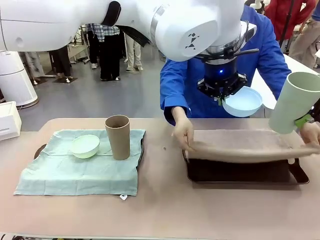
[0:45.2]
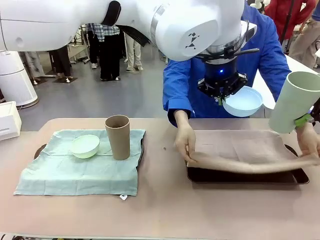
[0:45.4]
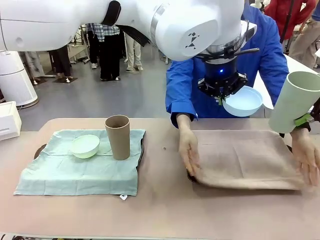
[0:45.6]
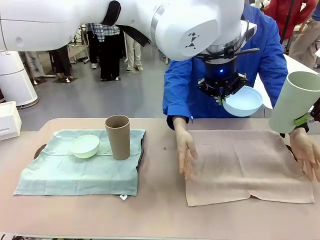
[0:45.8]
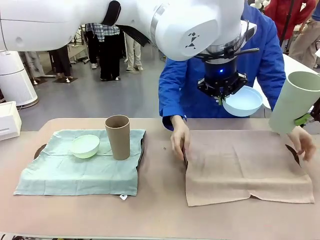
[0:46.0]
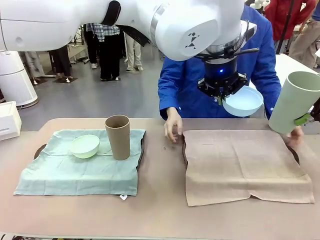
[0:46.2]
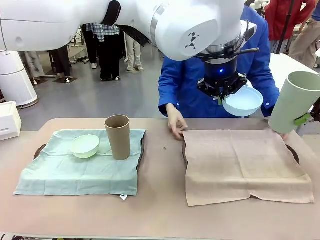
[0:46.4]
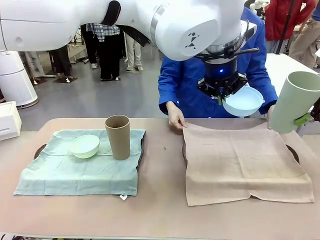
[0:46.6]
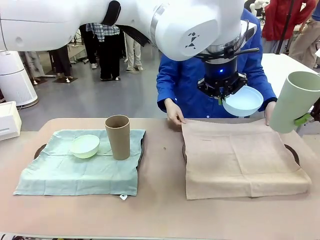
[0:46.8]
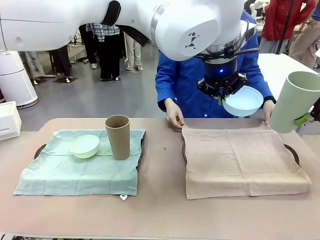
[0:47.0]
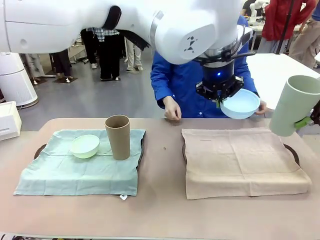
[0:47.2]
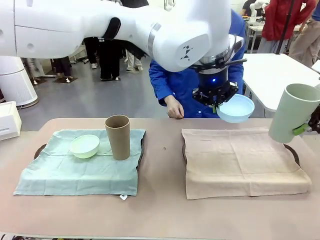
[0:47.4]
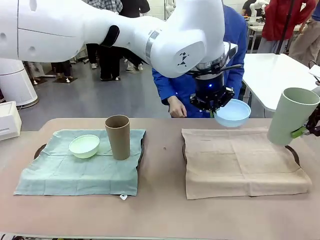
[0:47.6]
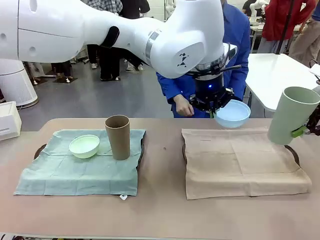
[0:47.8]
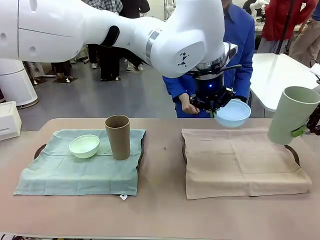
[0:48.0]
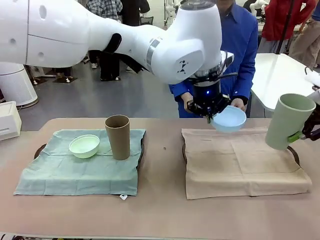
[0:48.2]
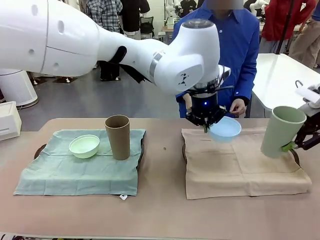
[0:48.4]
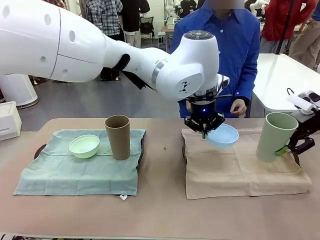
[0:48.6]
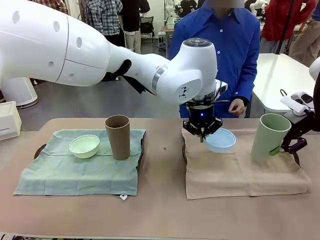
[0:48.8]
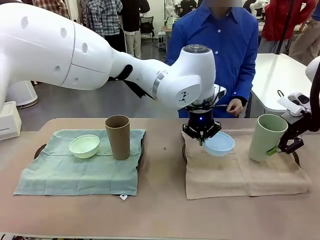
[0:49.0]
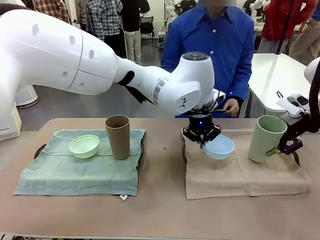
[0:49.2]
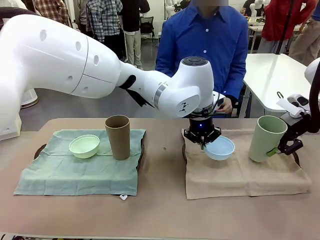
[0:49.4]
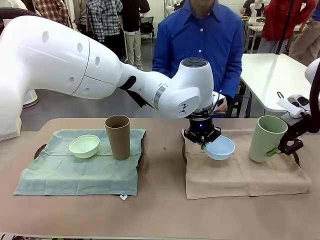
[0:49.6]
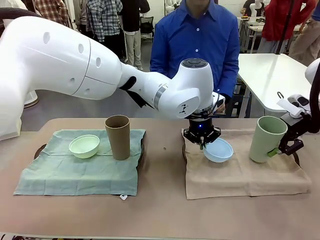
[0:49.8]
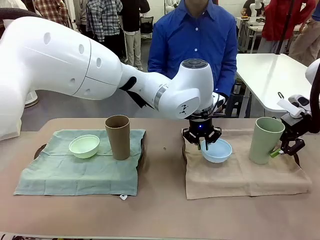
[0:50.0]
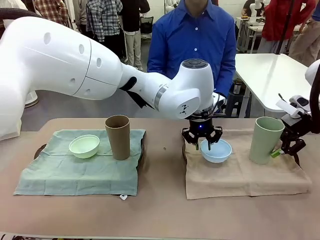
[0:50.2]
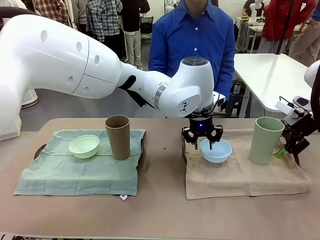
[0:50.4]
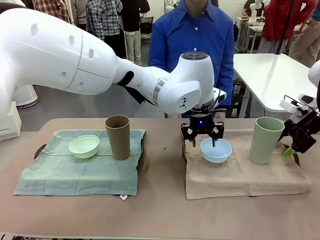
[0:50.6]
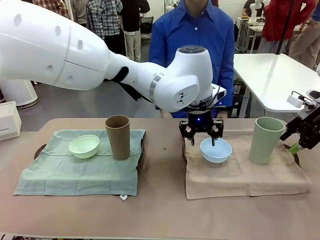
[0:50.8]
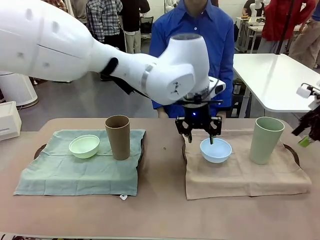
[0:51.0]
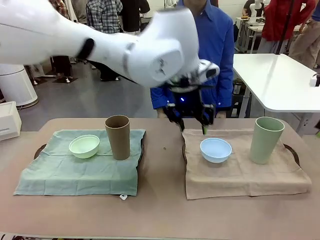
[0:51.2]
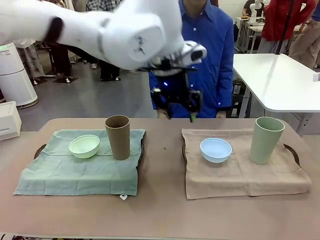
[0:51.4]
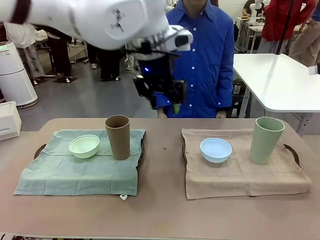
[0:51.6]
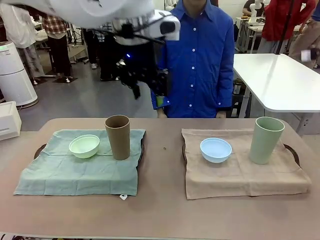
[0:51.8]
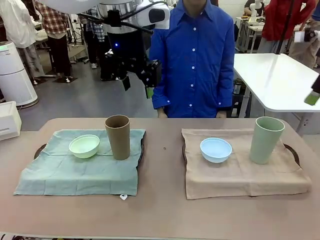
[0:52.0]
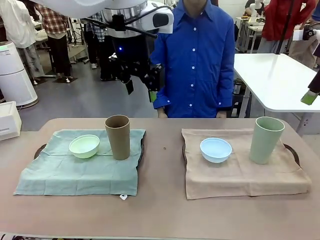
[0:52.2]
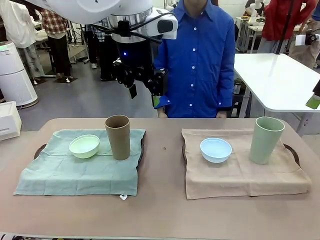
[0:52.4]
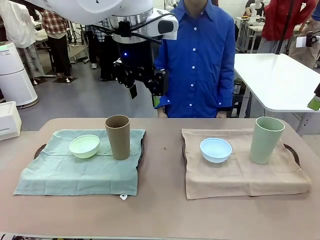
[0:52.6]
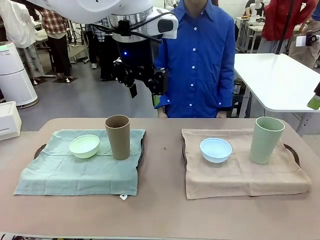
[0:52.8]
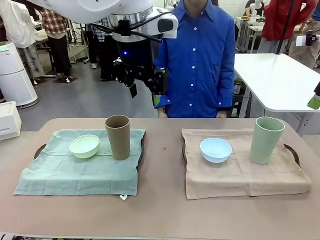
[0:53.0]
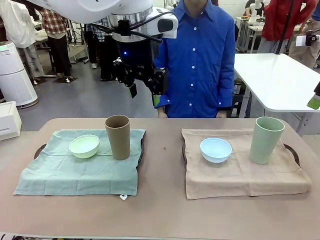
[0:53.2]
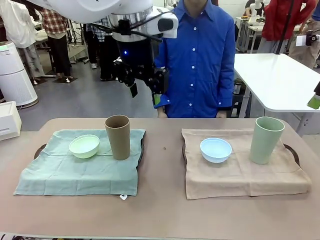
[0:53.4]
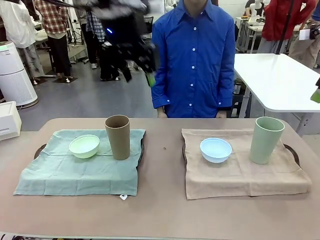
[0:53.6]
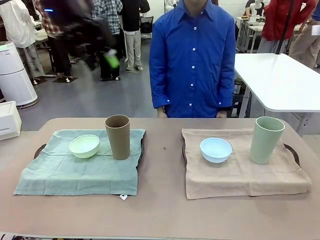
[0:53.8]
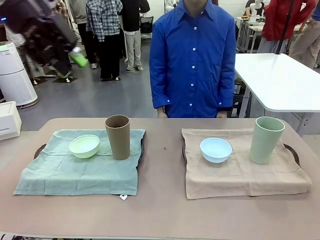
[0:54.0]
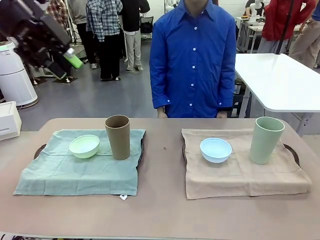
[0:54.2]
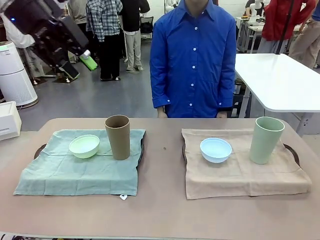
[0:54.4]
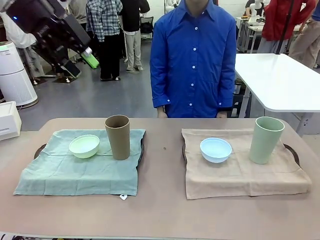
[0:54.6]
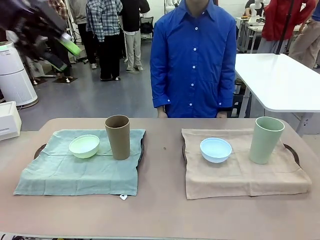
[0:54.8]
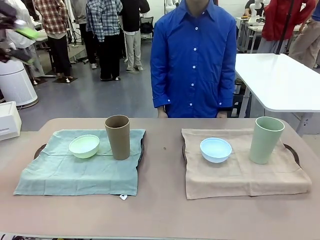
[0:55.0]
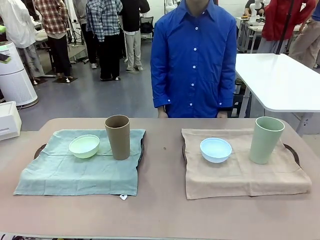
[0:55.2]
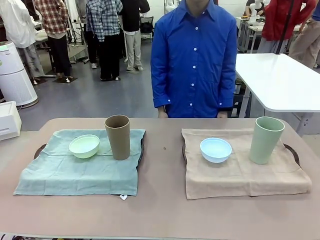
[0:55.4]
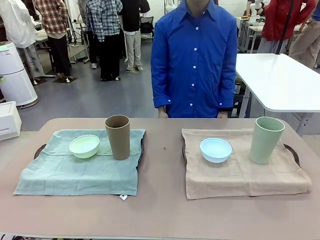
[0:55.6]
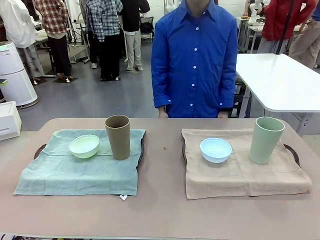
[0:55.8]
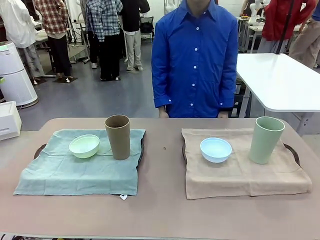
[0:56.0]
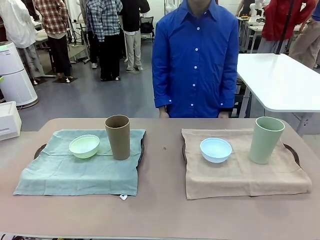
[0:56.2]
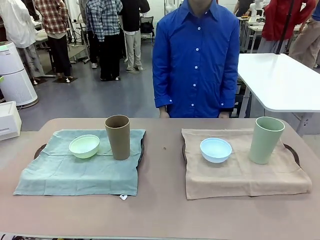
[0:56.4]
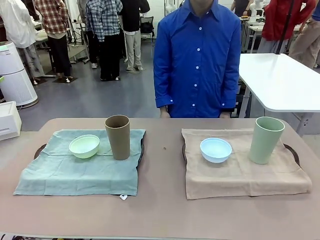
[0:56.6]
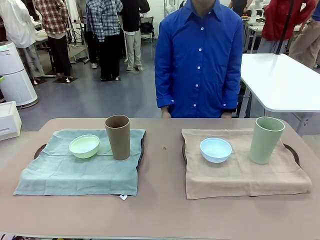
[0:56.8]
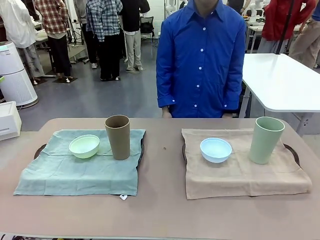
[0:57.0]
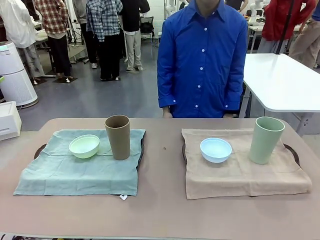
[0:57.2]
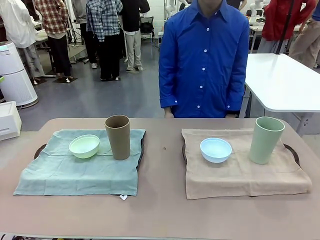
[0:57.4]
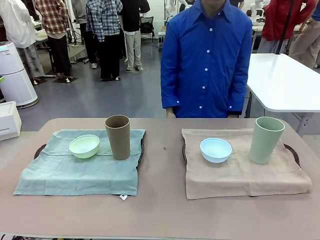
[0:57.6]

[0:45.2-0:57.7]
Robot: Place the Picnic Bowl and Reusable plastic cup back onto the Handle tray in front of the human's position.
Person: When the robot lifts the bowl and the cup, the human unfolds the napkin and lays the napkin flat on the tray.
